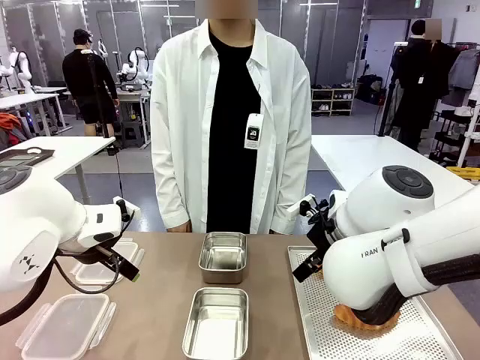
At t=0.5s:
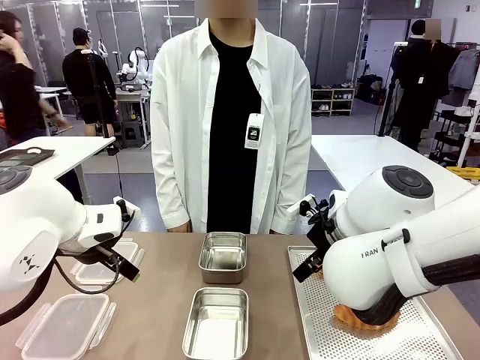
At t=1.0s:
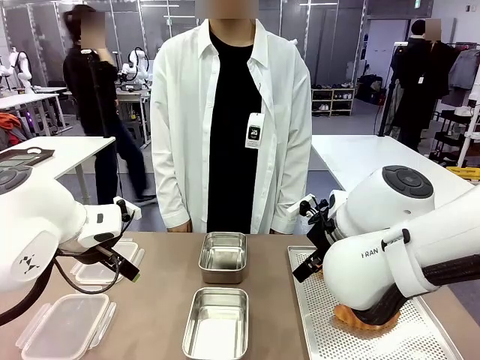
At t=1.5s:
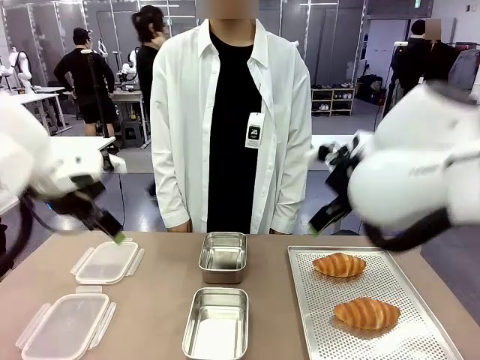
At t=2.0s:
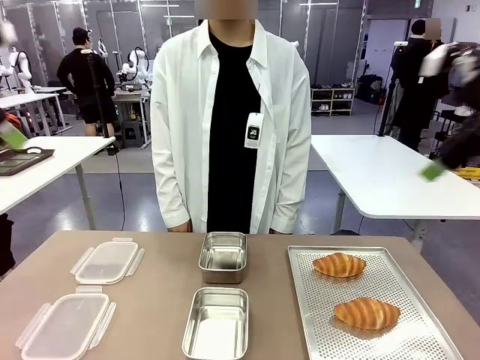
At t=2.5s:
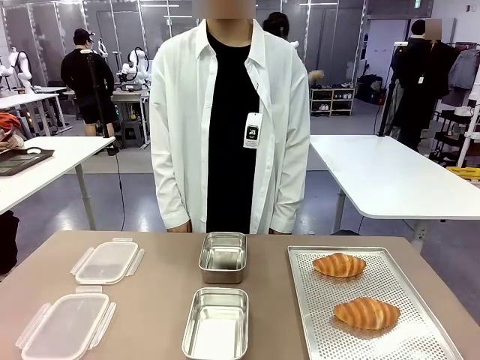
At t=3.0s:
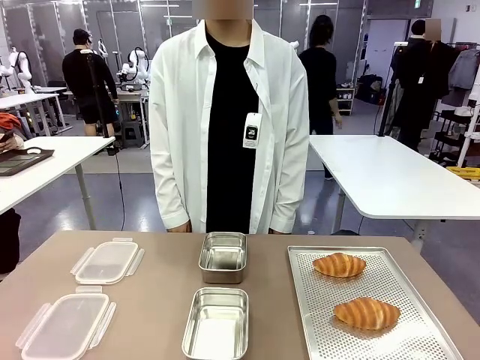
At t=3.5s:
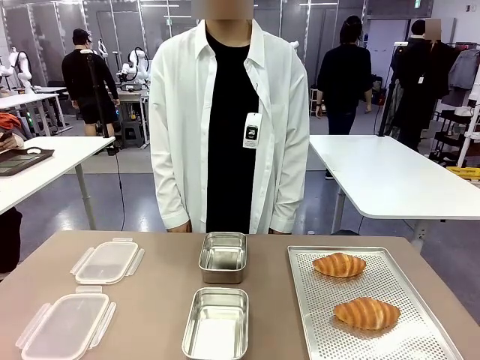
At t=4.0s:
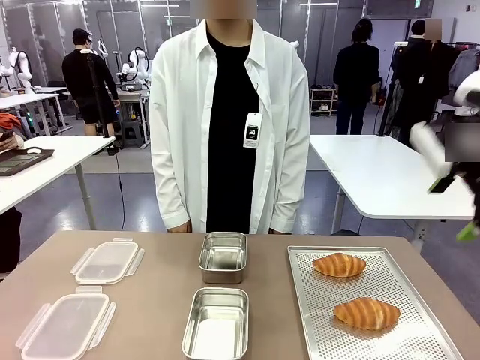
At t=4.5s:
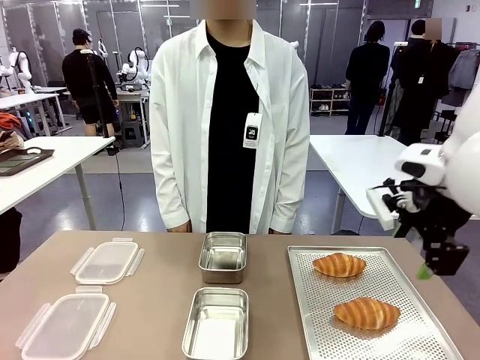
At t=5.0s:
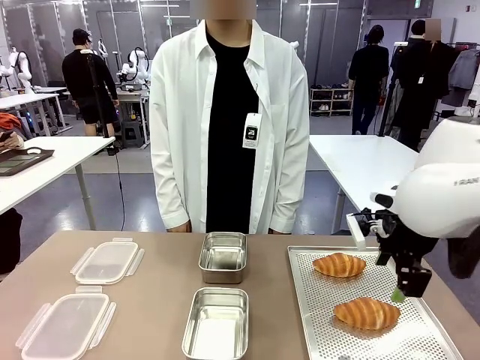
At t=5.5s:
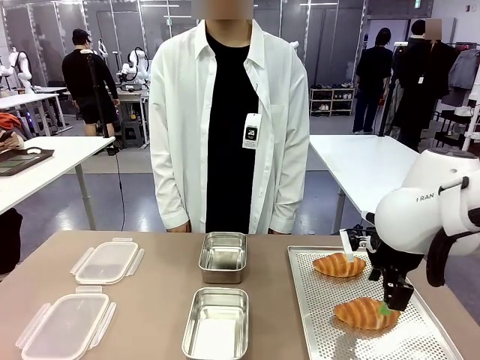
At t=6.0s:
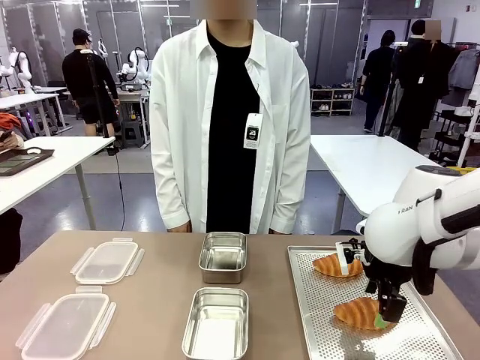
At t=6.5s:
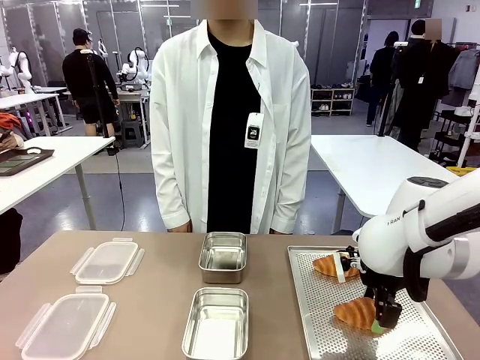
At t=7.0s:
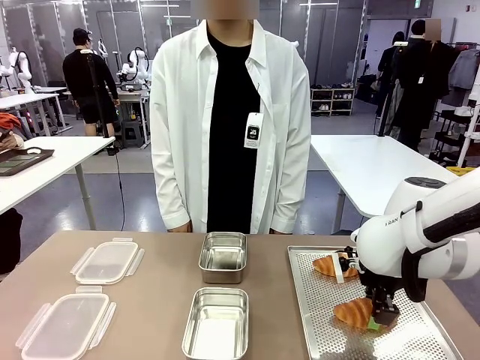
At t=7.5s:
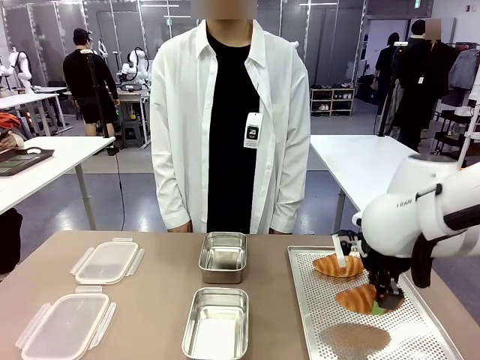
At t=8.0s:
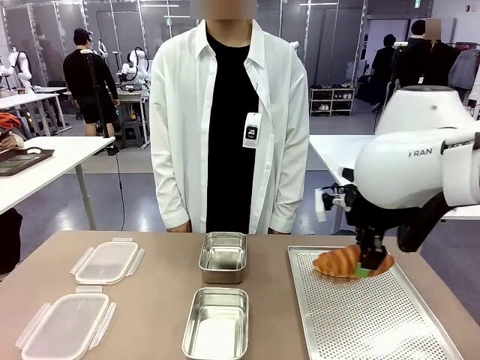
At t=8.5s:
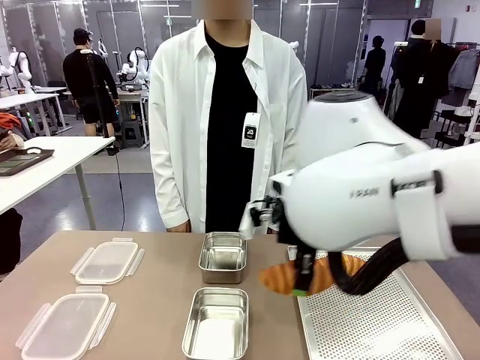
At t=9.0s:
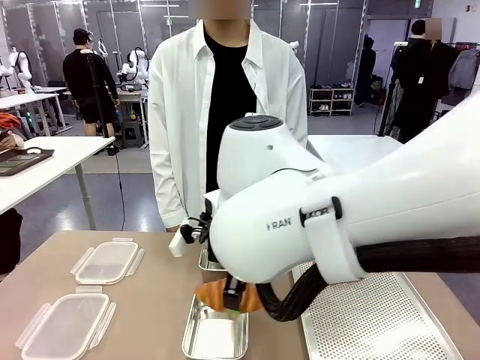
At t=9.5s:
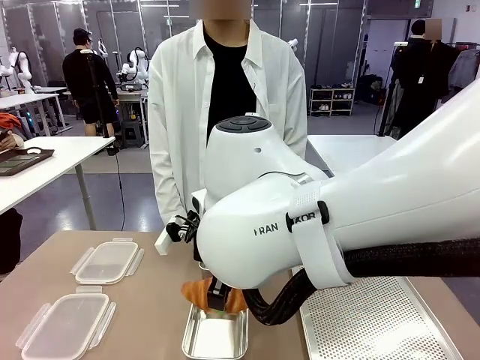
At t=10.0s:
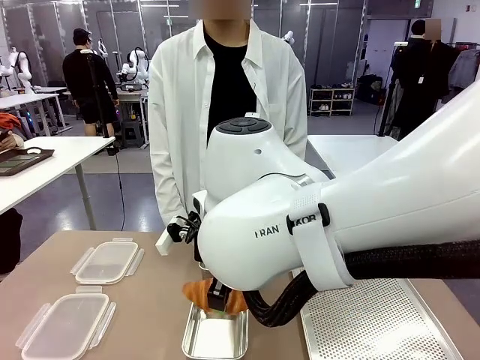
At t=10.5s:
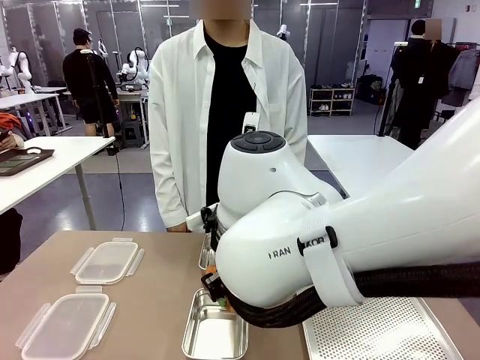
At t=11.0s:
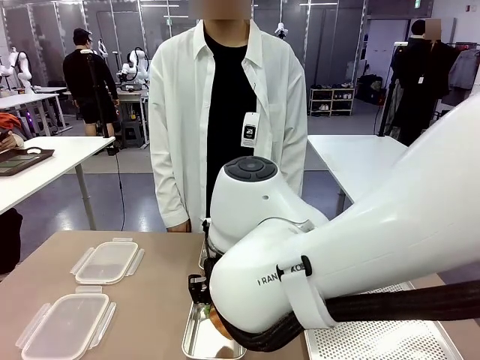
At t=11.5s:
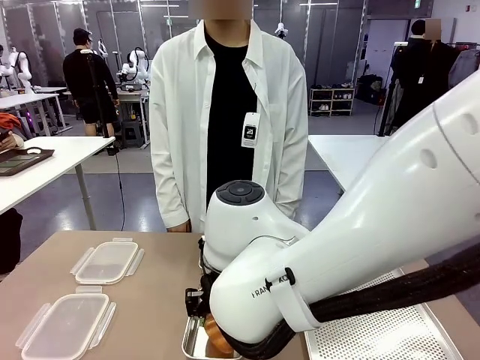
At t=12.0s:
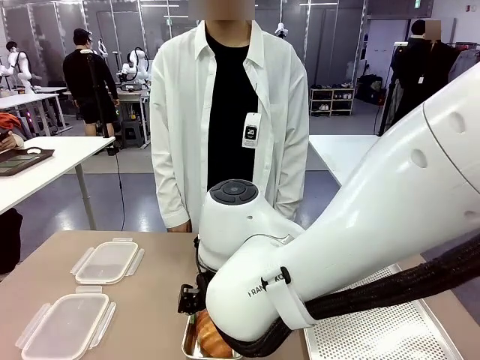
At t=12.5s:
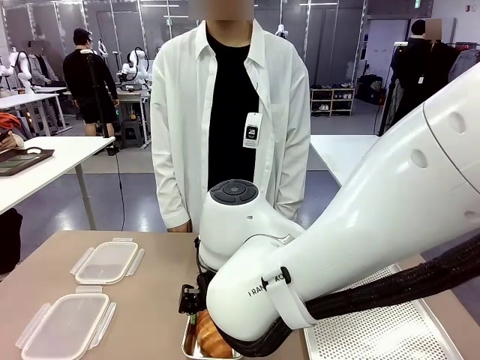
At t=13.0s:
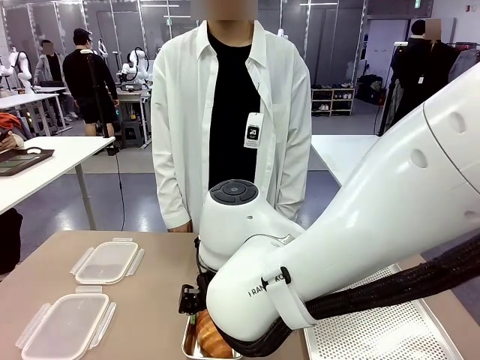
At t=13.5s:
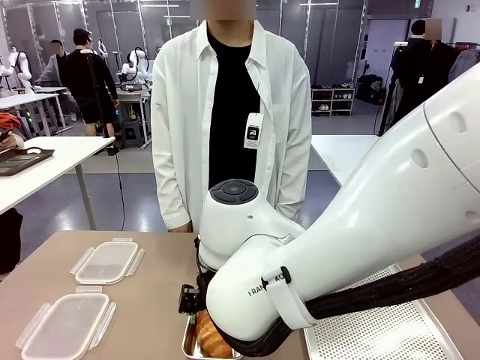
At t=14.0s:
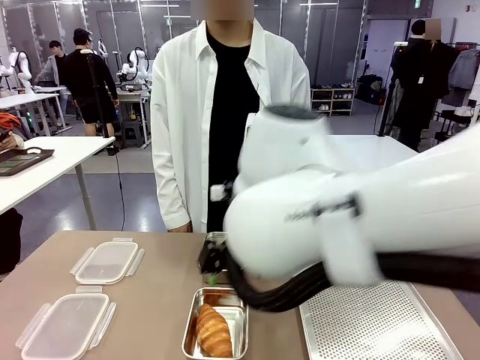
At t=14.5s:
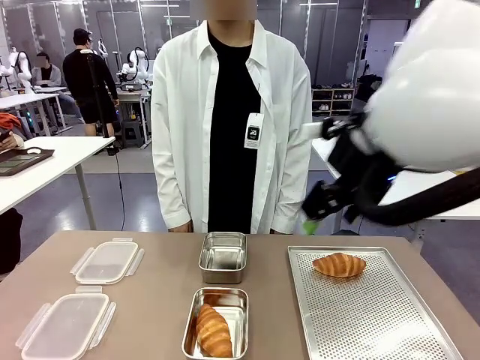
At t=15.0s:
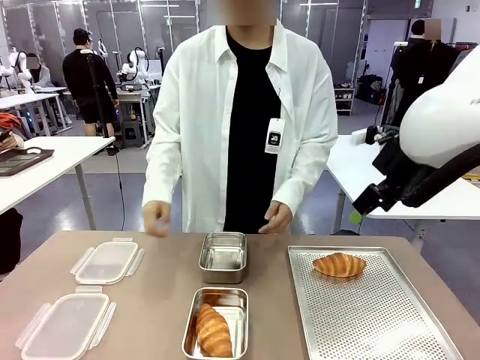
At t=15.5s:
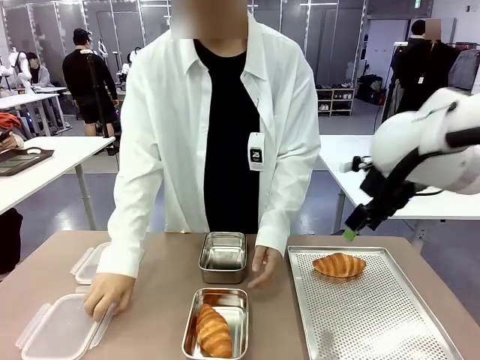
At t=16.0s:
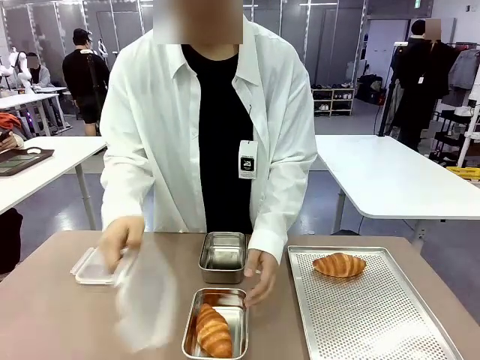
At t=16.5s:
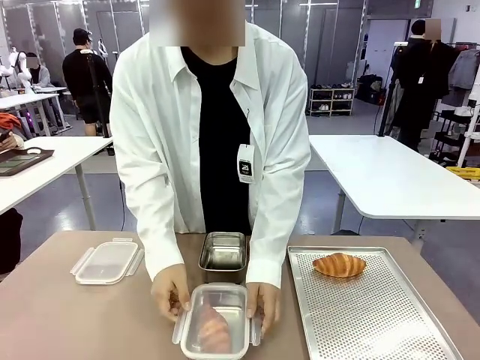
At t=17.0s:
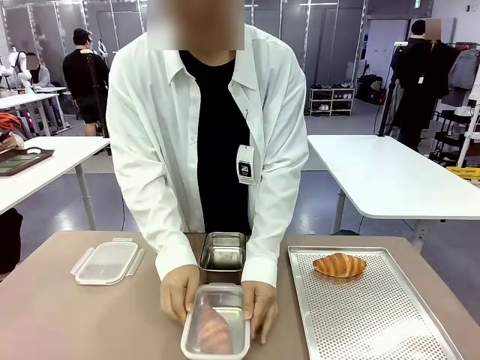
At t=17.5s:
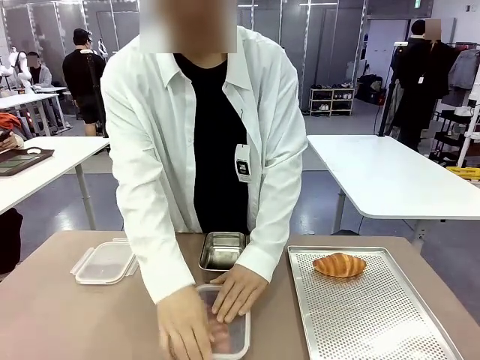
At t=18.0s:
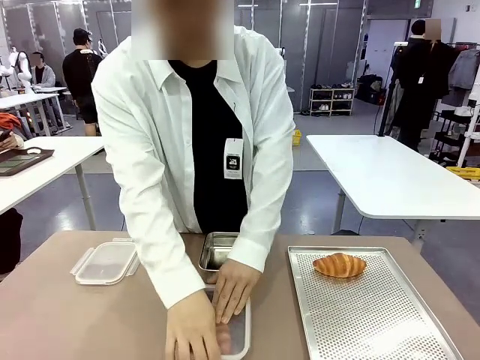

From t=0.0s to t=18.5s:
Task: Place the bread into the airtight container.
Robot: Pick up a Butter Roll and place it into an empty Airtight Container.
